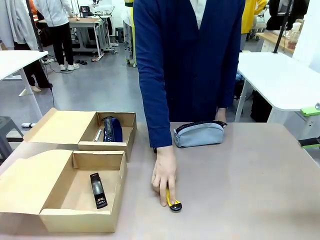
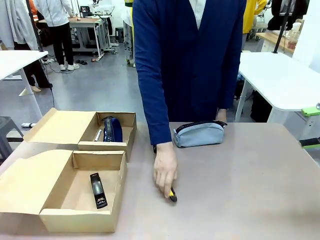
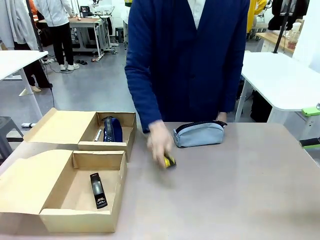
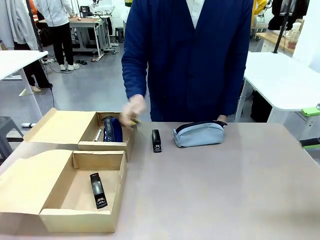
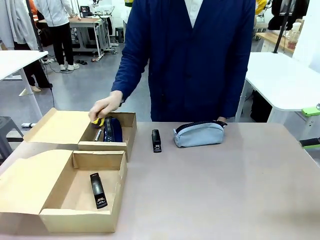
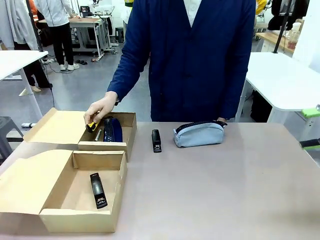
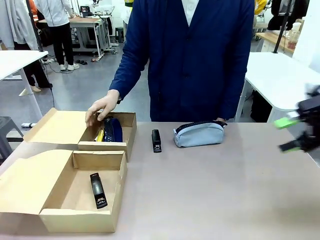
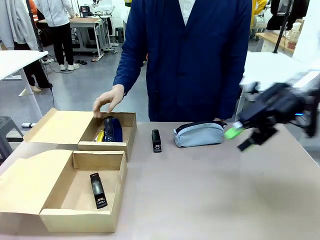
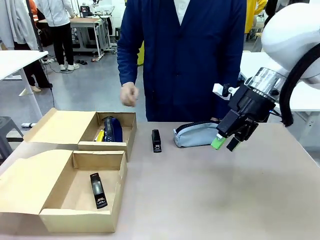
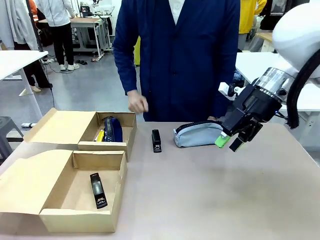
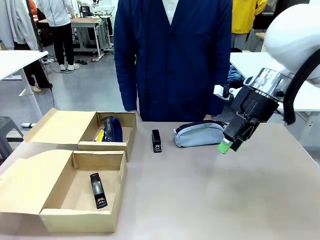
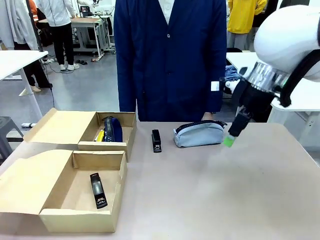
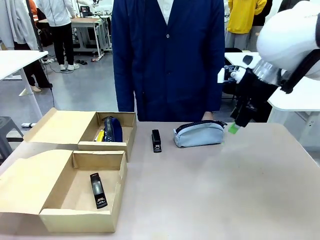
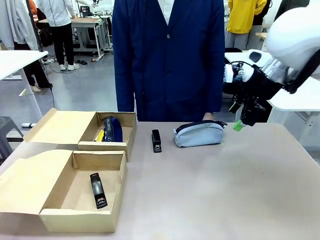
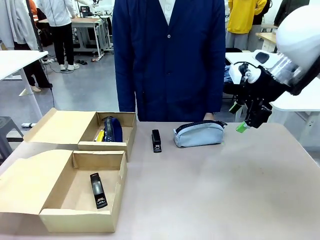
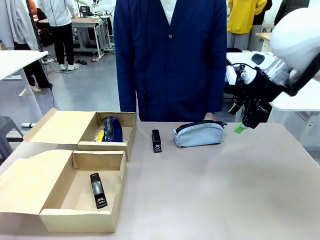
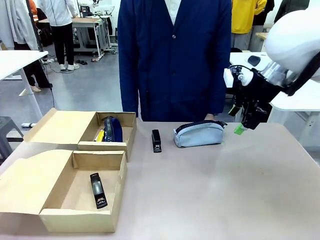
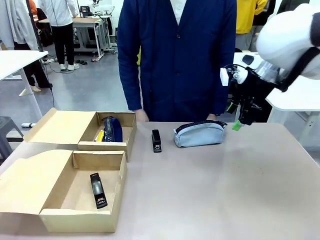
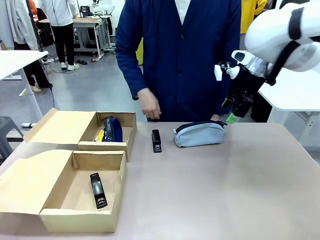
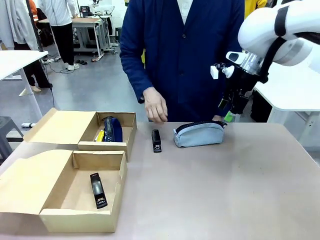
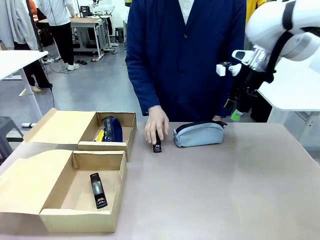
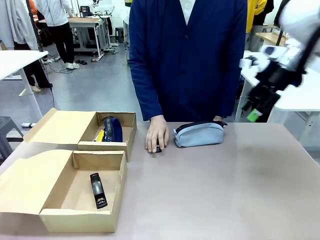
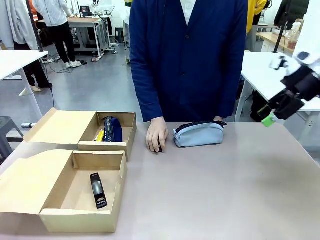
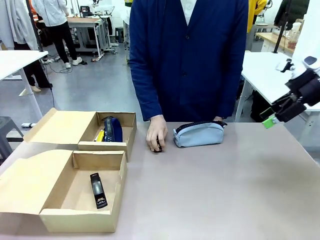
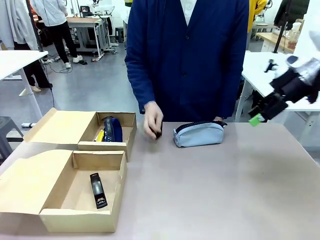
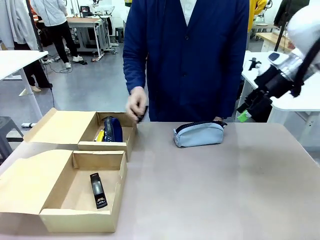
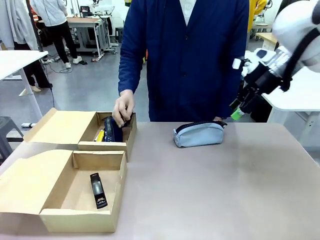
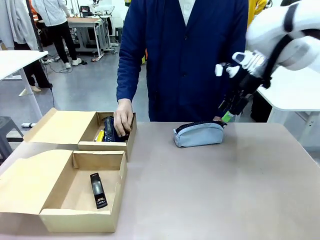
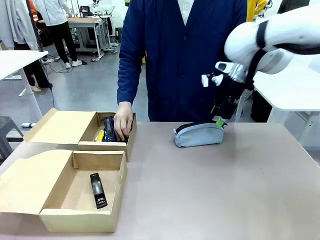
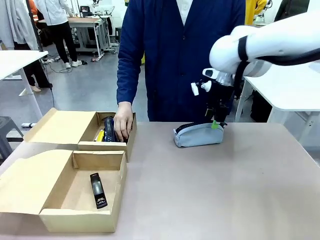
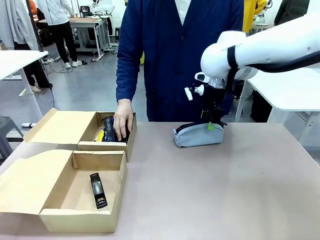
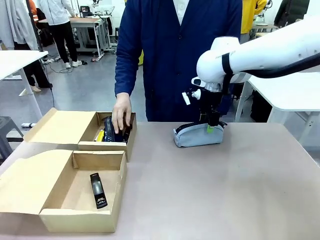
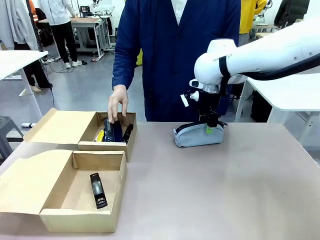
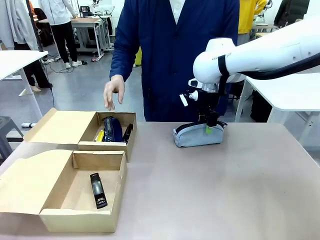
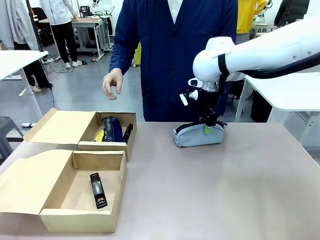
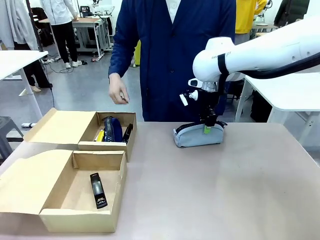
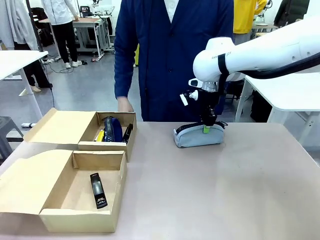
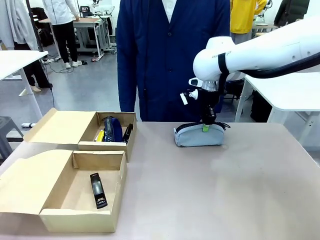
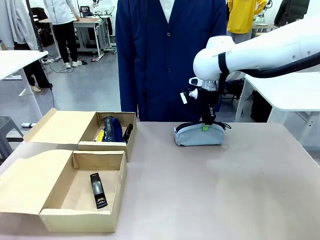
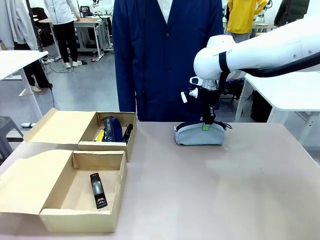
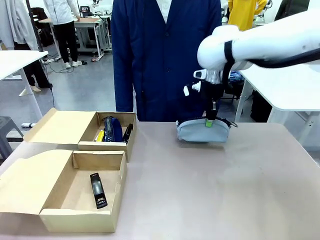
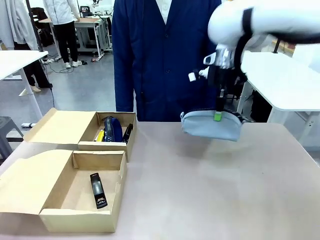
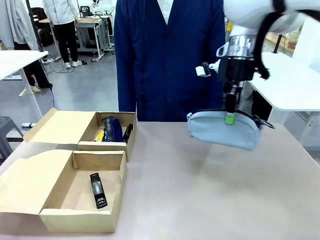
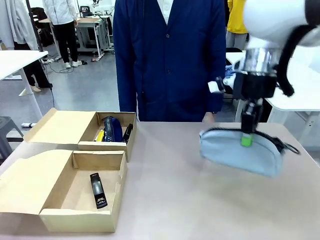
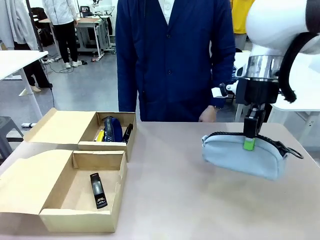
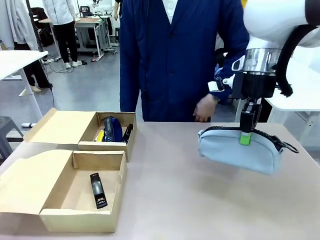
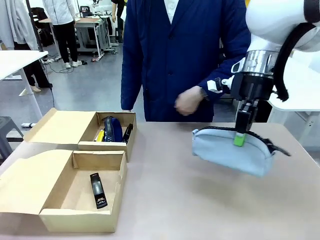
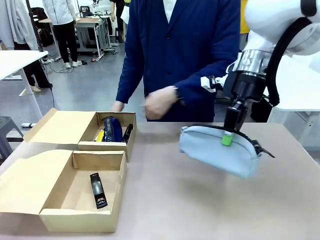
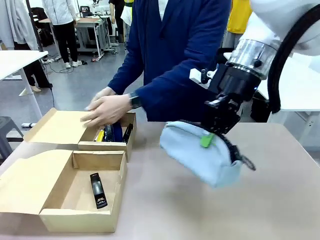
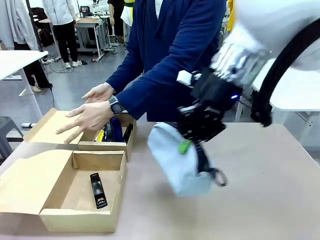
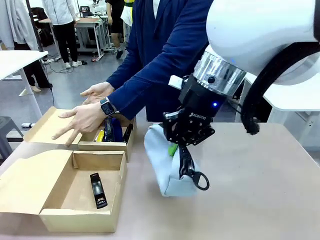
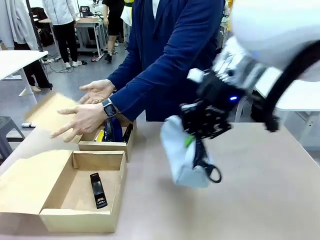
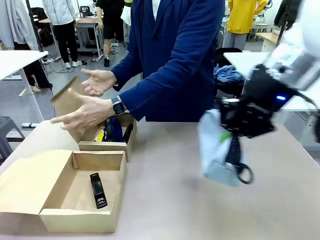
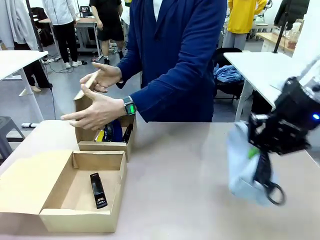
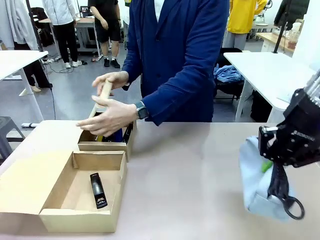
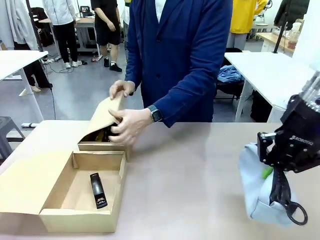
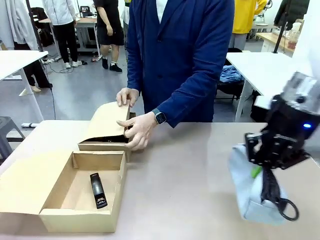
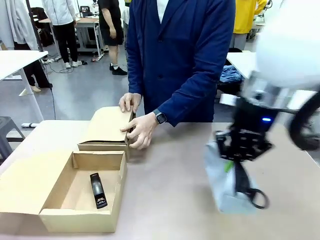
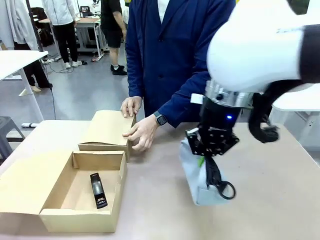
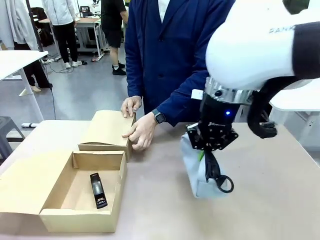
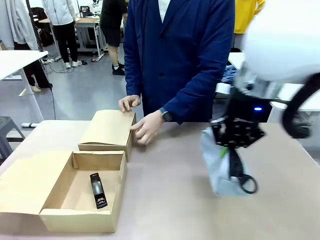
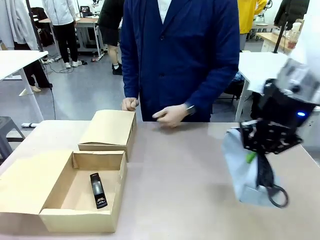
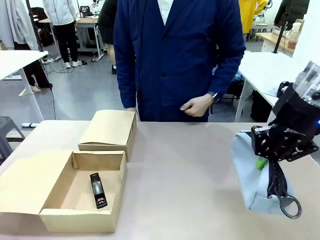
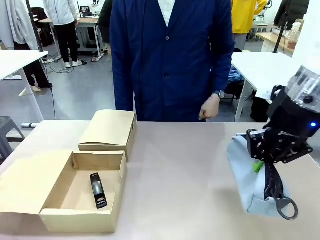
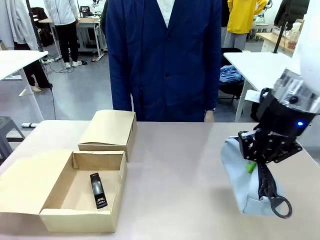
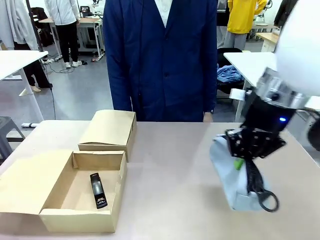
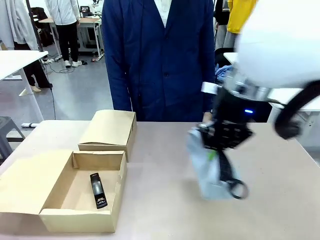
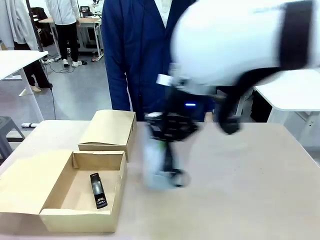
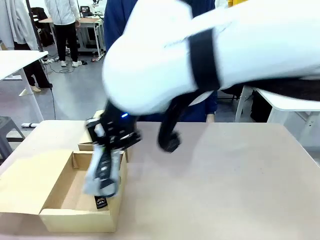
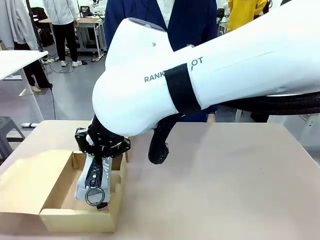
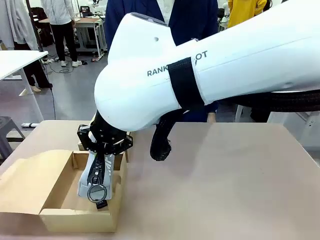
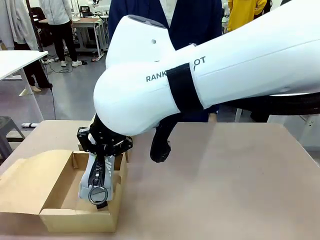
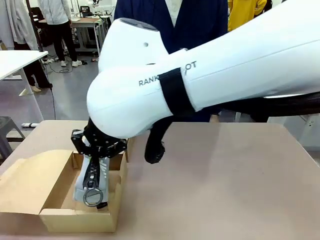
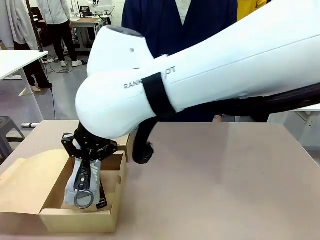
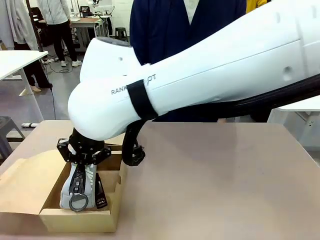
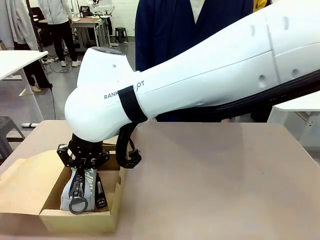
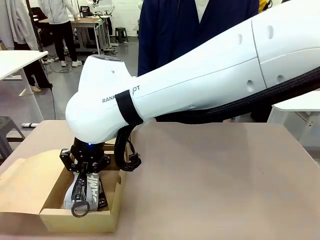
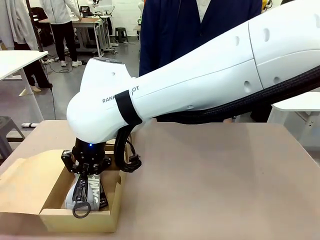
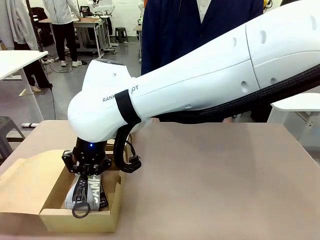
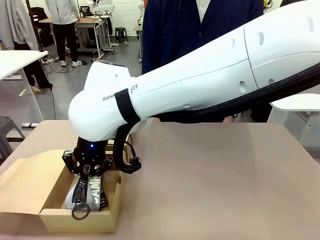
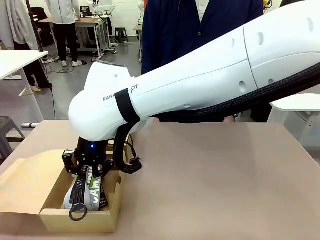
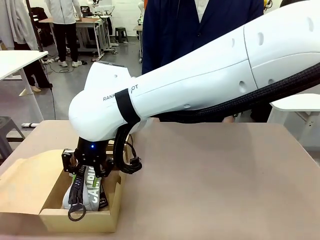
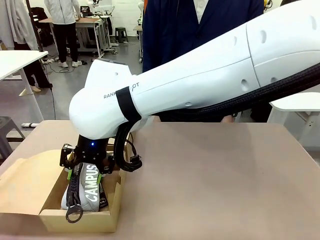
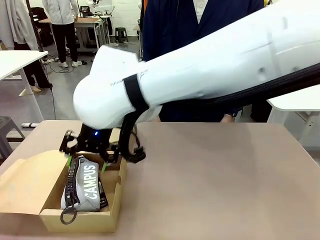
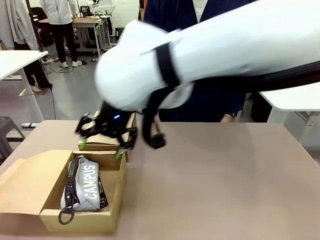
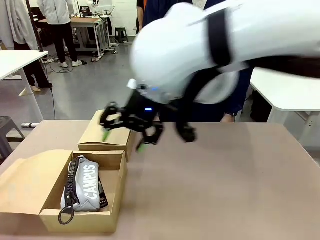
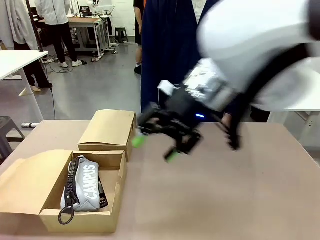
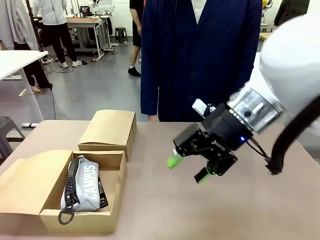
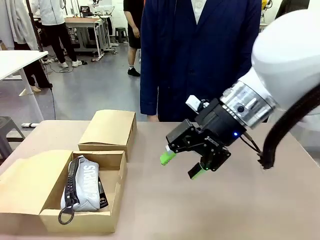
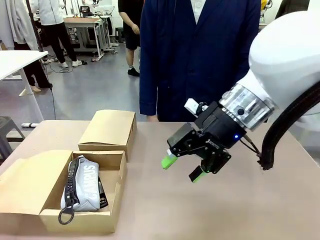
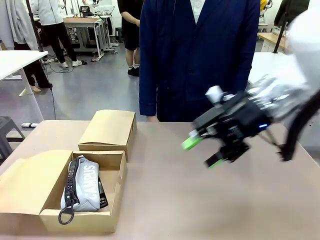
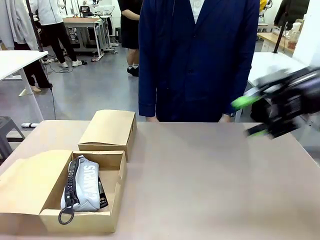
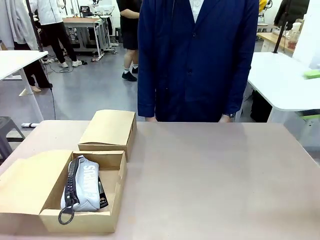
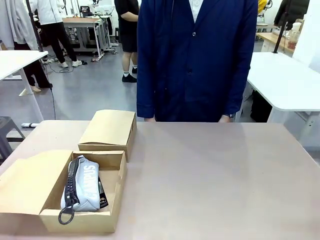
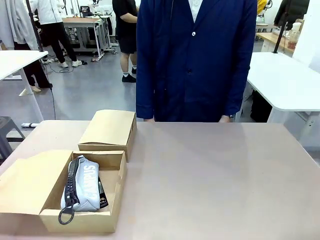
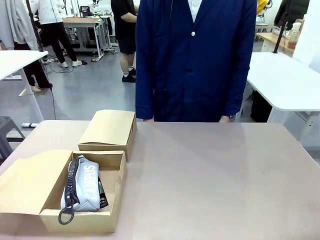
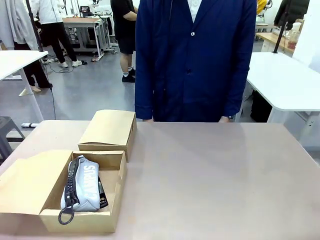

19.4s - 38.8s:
Task: Place items inside the box.
Robot: Pick up a Pencil pouch or Stapler and place it inside the Mailer Box closest to the robot.
Person: Close the lid of the box facing the person.
